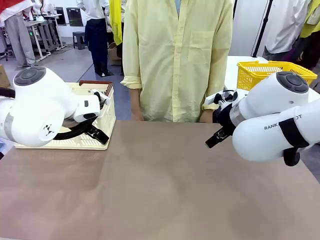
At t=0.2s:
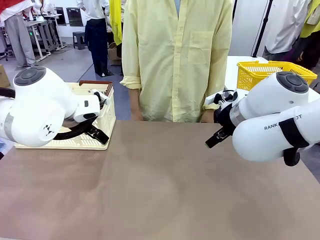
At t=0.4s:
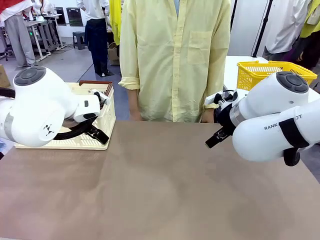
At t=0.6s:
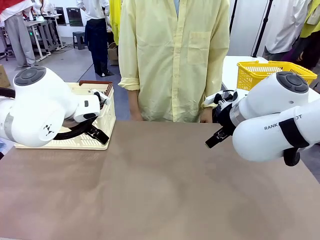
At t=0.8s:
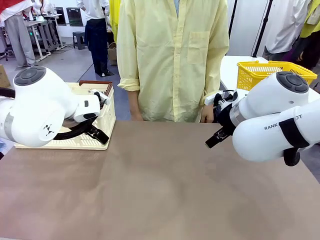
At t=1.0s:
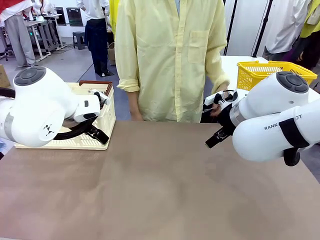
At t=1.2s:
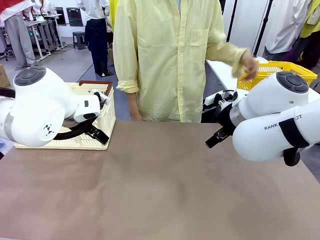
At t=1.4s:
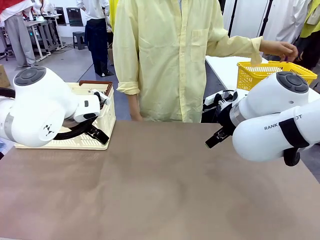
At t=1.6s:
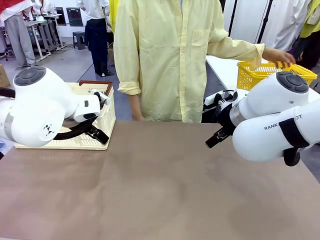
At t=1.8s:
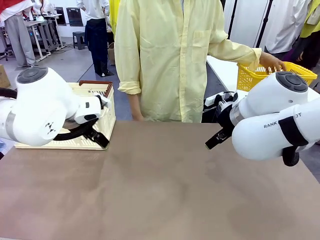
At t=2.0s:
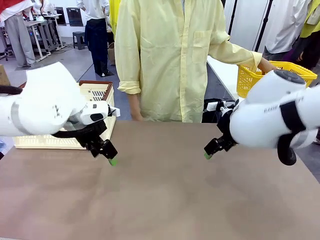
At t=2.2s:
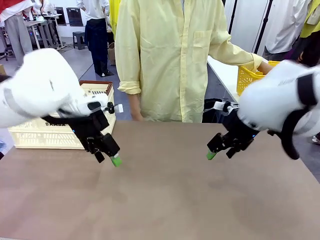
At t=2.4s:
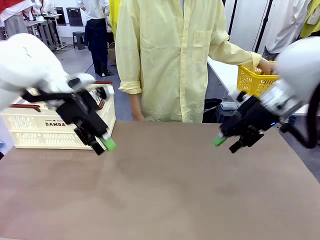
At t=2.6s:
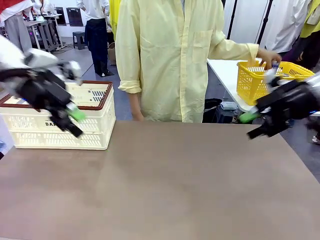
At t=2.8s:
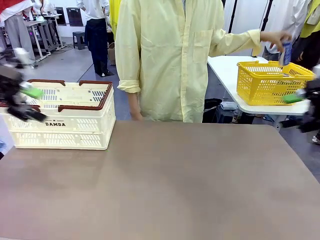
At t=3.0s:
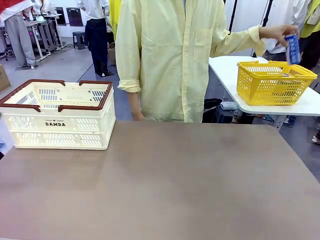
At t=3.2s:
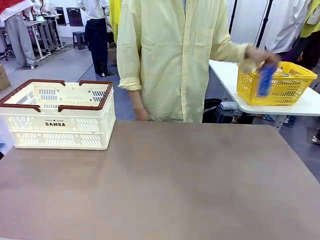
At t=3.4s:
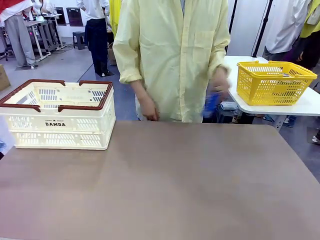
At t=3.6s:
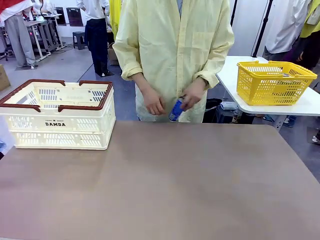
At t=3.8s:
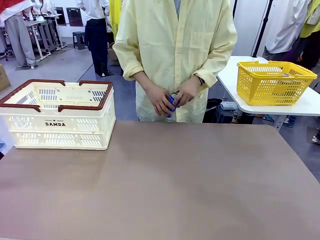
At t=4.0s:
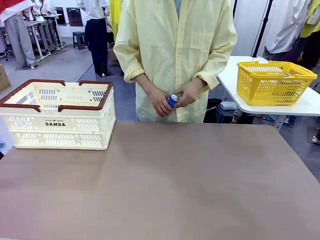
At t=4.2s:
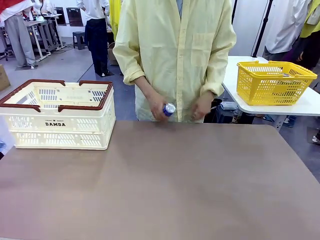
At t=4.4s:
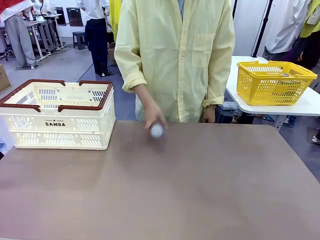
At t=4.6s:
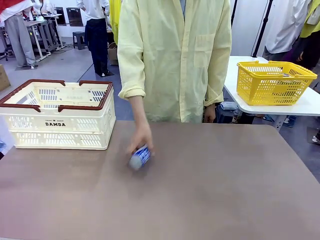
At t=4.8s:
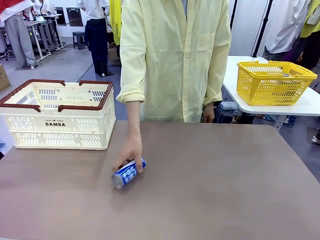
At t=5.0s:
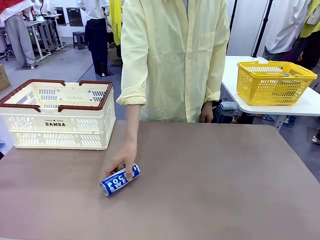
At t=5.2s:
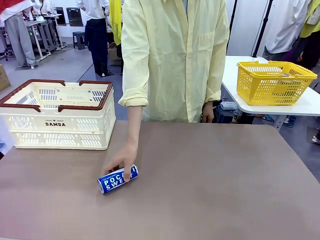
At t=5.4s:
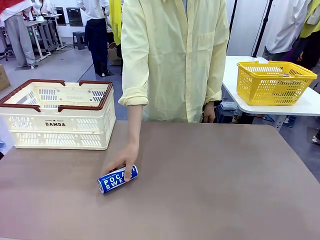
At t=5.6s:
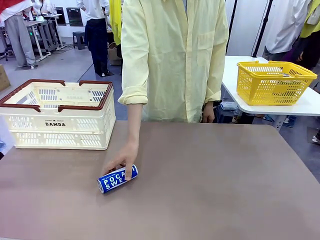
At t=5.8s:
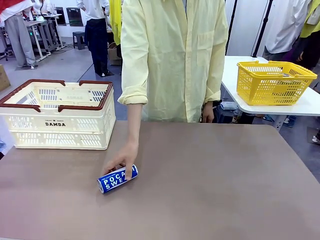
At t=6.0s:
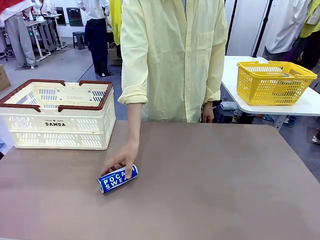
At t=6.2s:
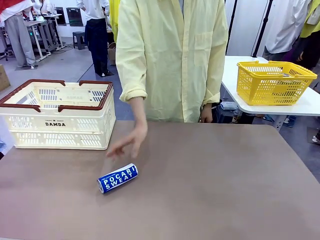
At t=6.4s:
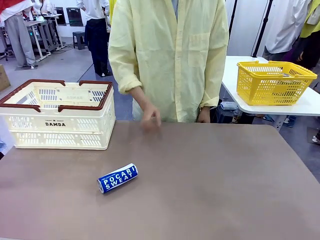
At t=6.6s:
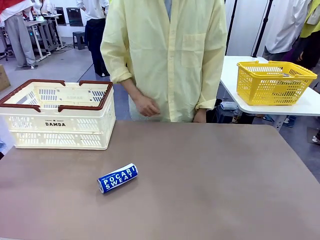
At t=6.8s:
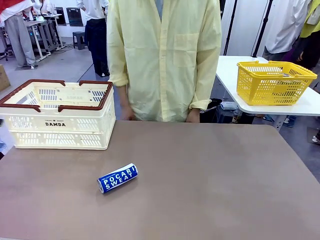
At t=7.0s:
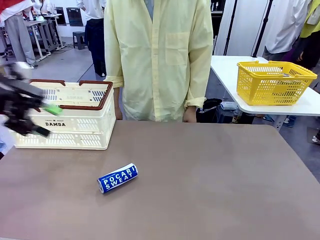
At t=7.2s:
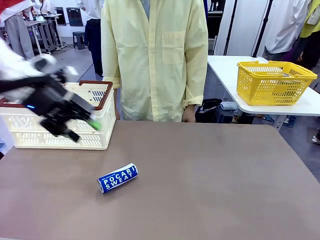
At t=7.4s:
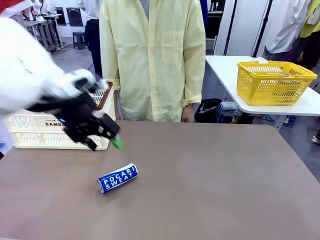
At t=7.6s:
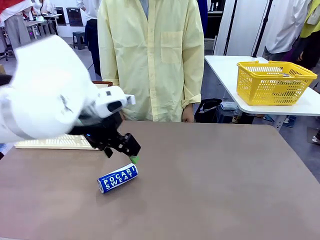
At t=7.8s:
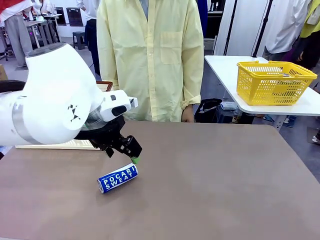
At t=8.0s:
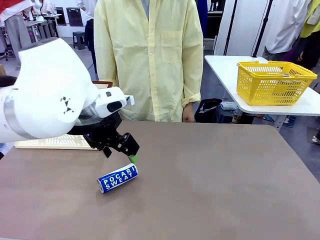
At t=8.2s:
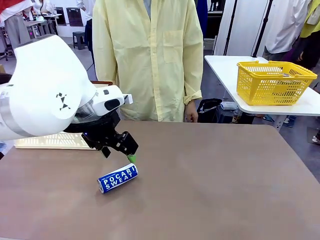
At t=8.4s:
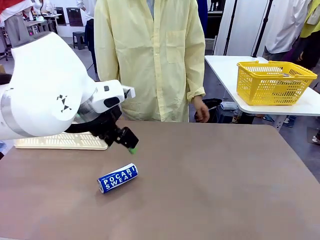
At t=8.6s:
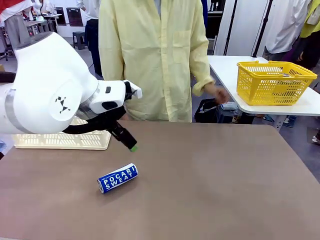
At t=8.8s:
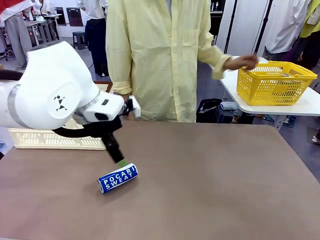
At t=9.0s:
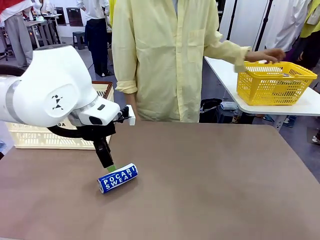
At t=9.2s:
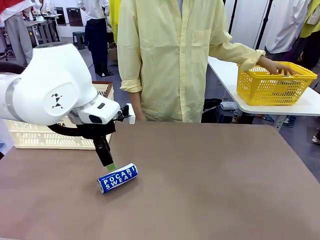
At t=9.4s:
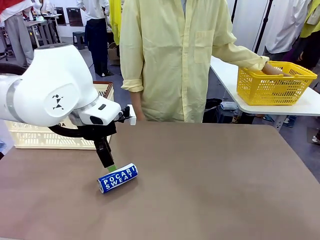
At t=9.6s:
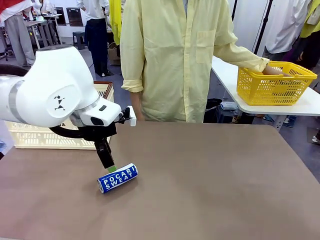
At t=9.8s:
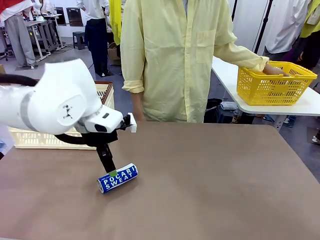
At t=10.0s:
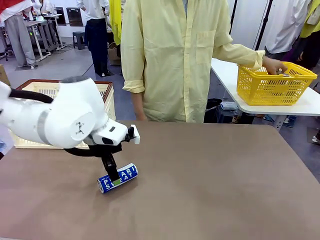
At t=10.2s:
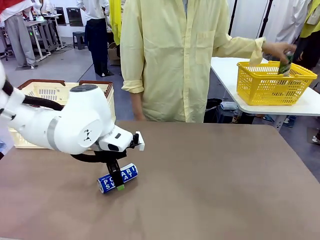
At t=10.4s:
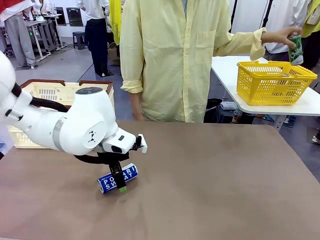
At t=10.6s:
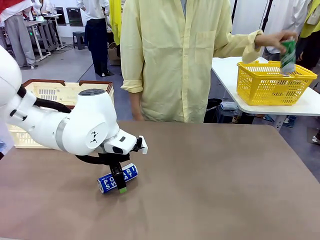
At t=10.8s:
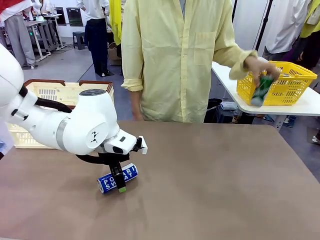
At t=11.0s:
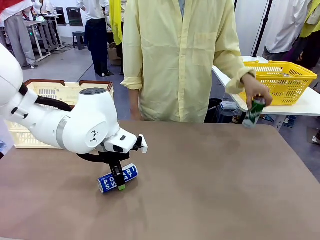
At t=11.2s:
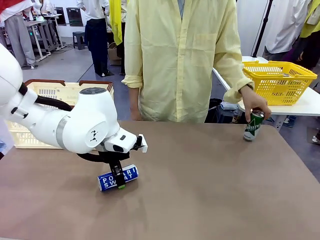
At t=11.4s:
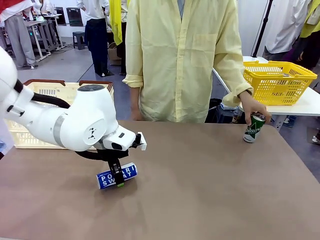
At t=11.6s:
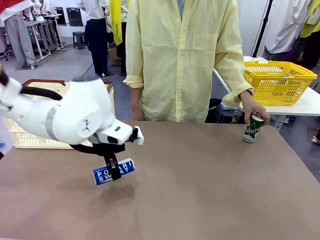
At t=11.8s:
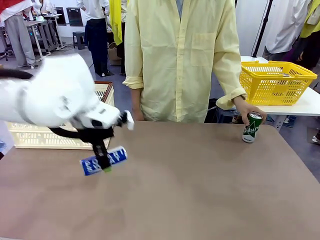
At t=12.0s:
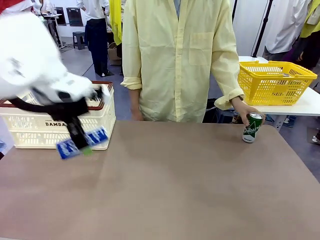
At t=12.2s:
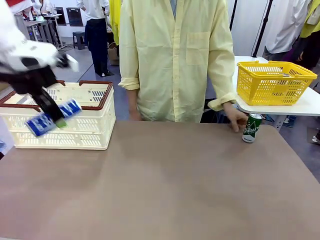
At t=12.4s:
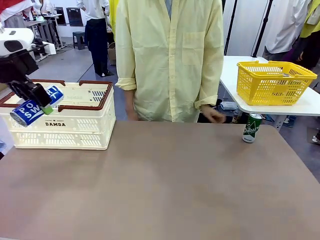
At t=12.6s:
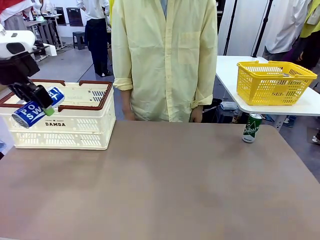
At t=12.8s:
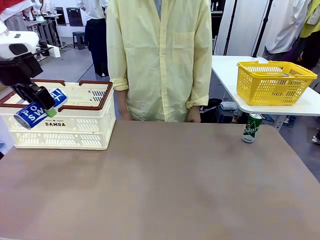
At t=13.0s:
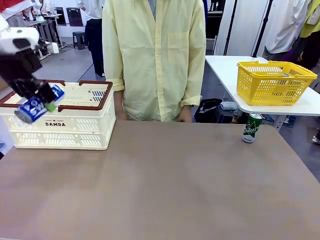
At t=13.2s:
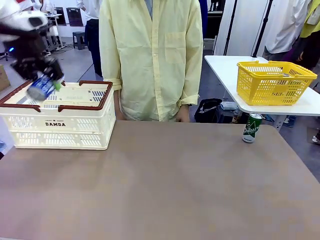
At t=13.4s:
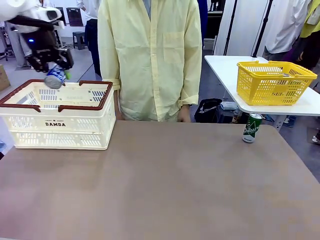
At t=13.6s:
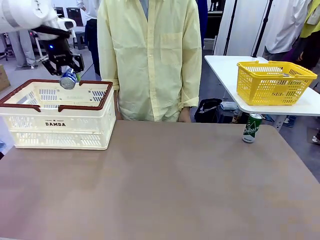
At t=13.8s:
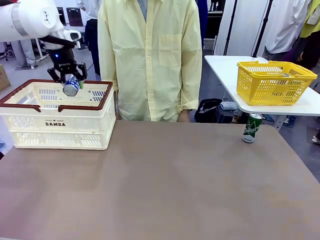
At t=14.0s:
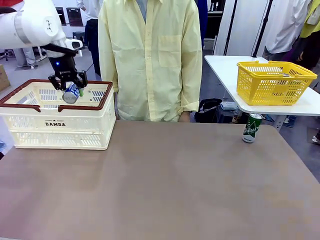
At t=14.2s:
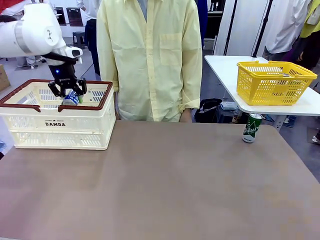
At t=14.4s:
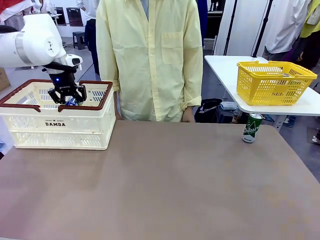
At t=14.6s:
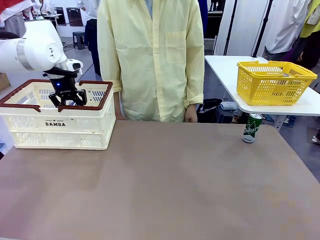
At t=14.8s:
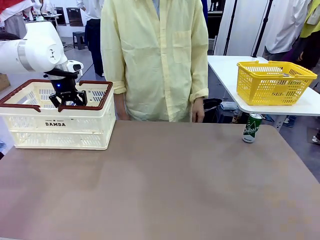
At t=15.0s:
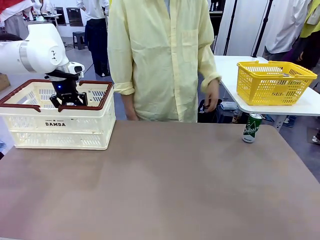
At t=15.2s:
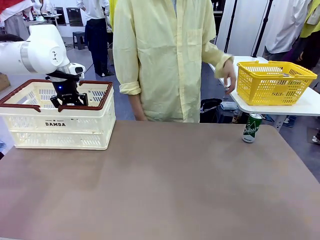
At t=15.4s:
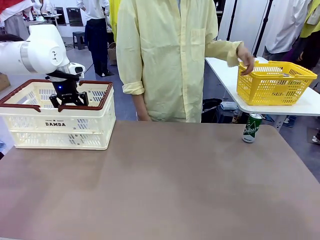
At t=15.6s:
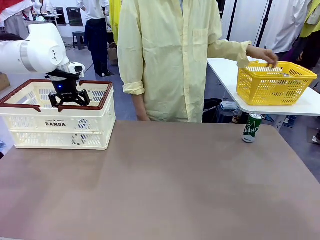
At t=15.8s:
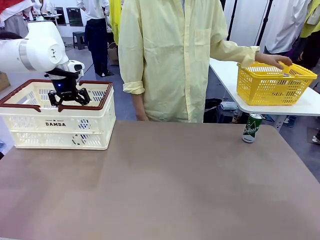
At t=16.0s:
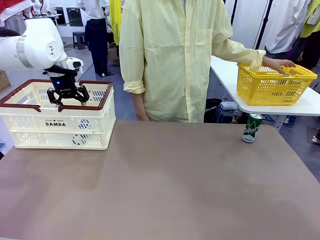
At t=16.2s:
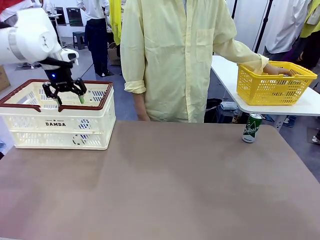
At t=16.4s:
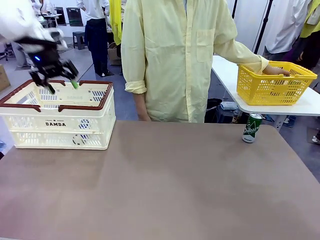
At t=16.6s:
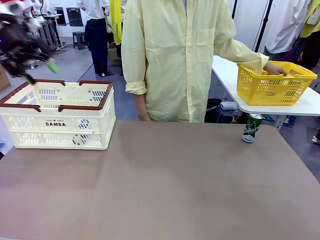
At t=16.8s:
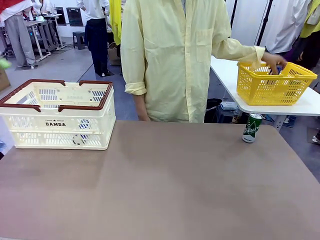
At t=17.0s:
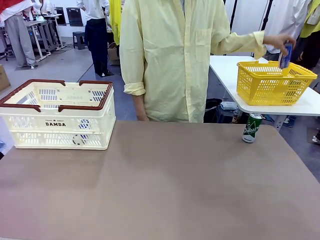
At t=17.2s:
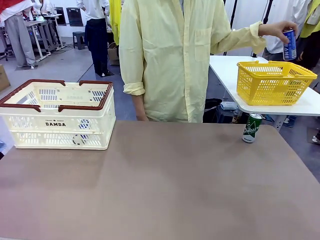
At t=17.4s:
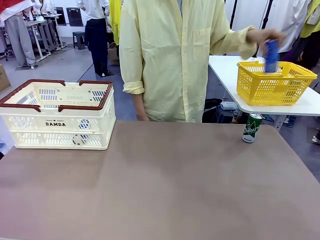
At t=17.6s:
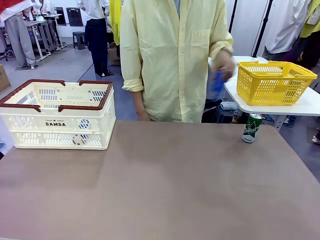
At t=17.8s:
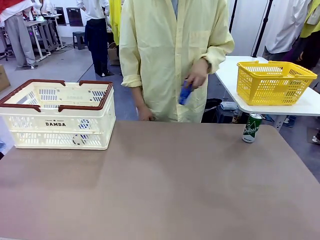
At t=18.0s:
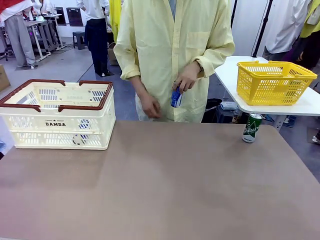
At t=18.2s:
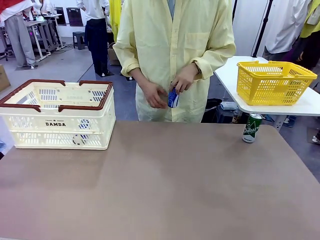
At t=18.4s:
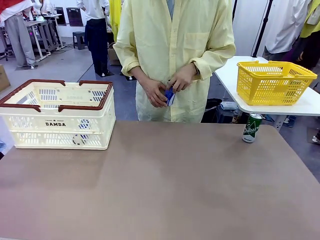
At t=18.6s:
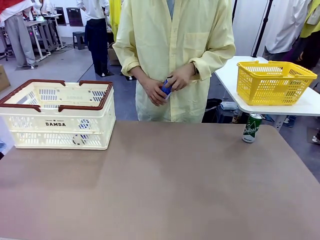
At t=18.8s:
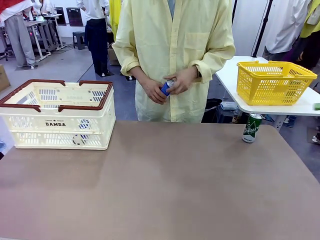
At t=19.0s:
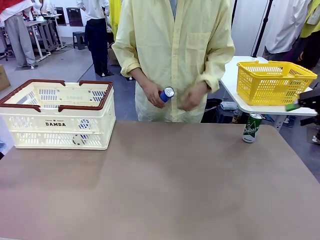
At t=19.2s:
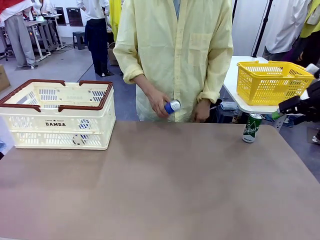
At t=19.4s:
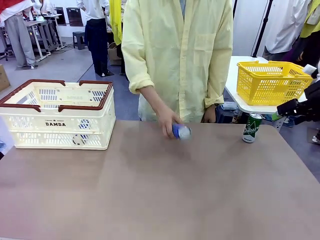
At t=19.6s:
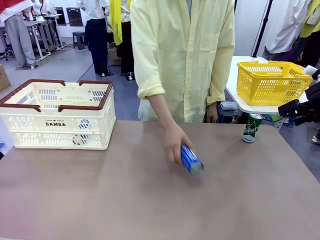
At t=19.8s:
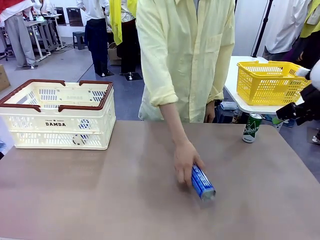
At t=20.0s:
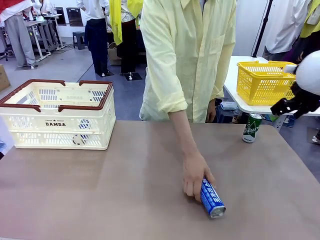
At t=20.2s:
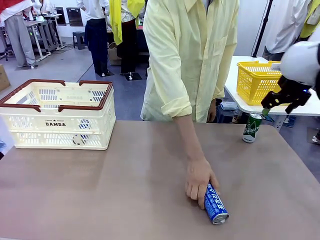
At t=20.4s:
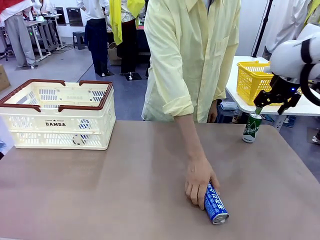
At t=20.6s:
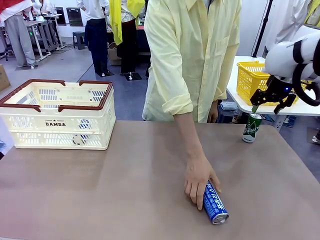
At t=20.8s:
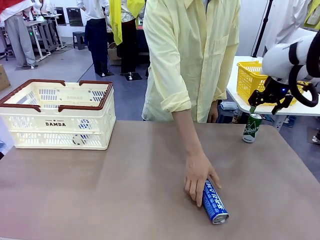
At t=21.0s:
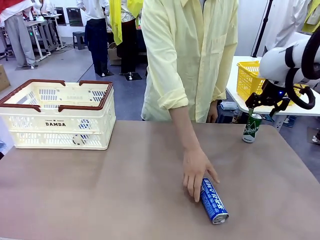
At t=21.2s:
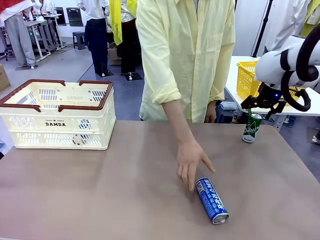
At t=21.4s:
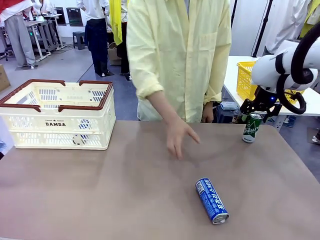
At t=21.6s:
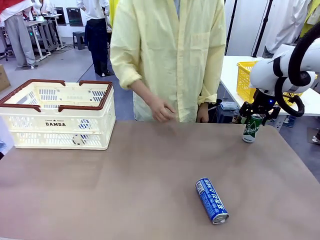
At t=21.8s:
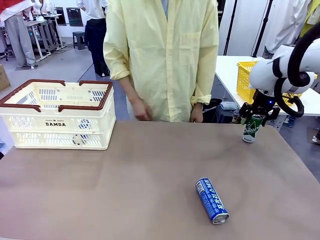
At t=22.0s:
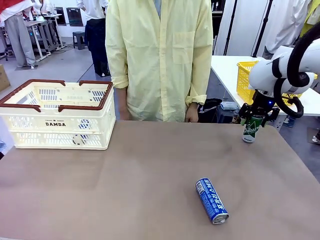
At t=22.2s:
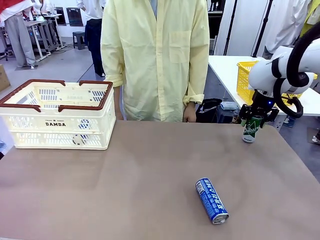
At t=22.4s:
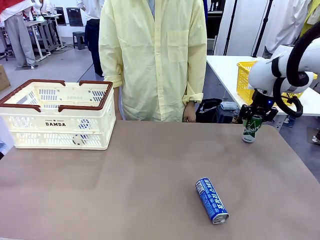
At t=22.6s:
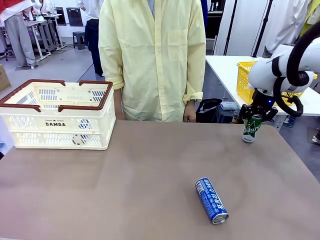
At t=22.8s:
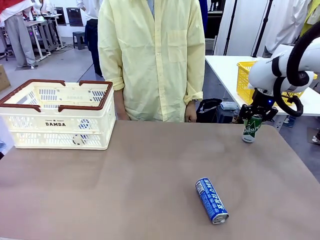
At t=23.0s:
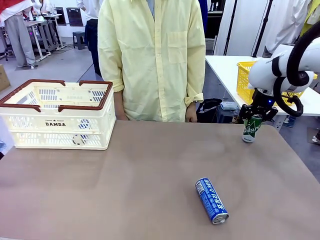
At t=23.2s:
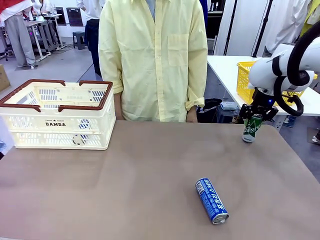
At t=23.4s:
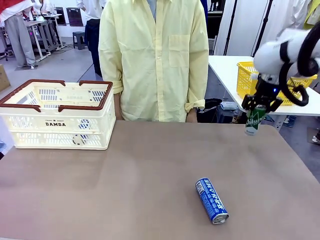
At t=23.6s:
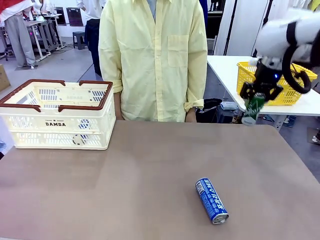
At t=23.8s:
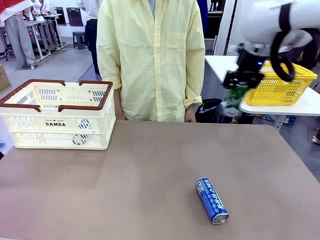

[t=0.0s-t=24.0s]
Task: Place the drinks into the Shopping basket.
Robot: Pick up one drink and place it into the Shopping basket.
